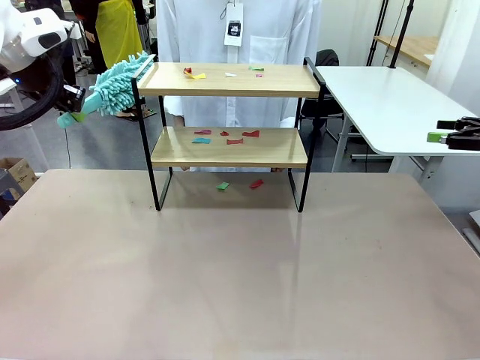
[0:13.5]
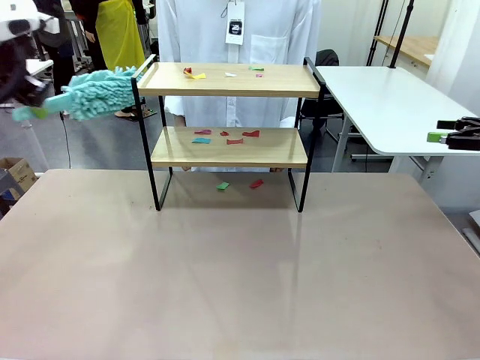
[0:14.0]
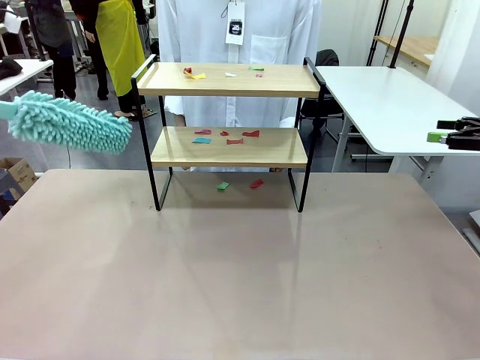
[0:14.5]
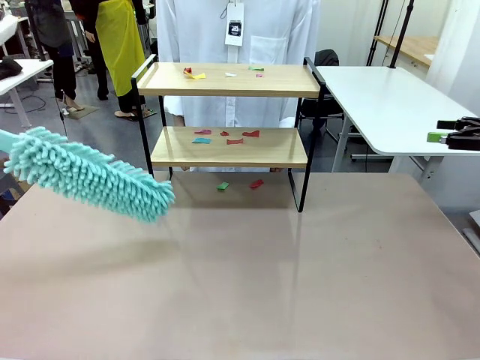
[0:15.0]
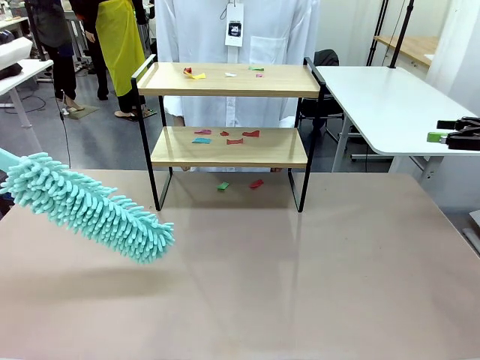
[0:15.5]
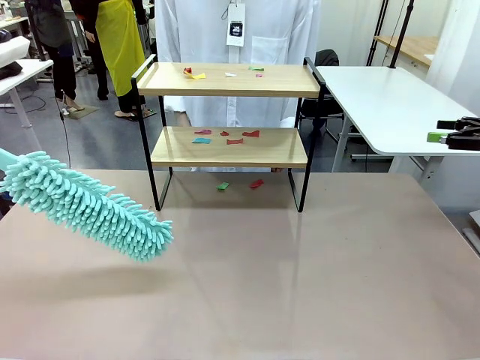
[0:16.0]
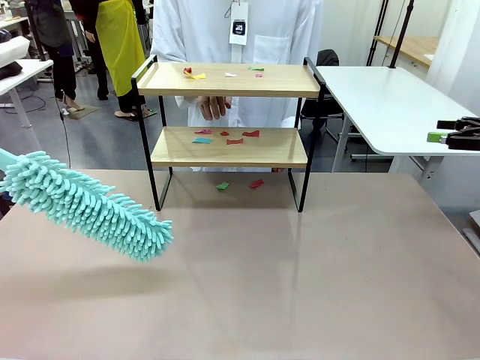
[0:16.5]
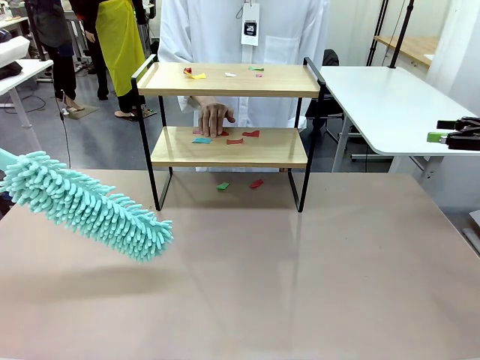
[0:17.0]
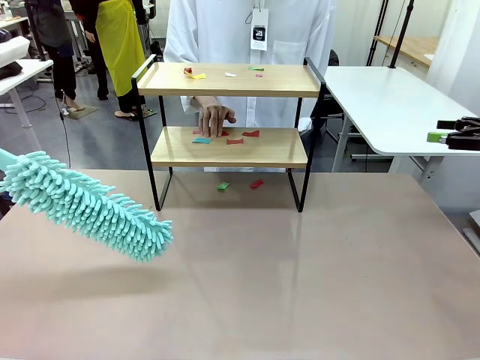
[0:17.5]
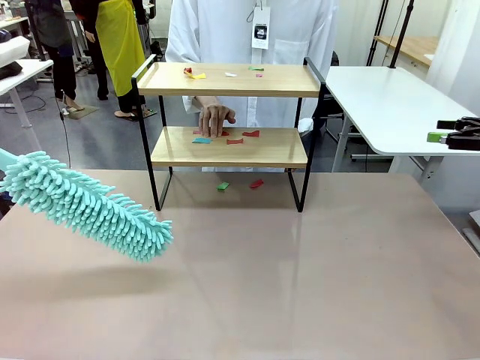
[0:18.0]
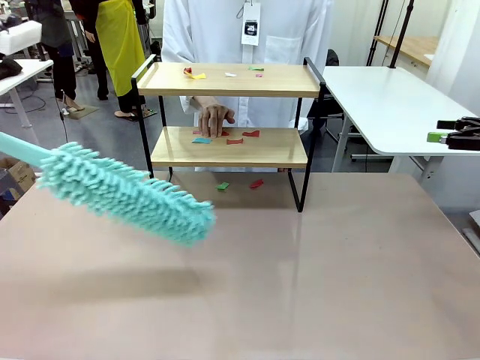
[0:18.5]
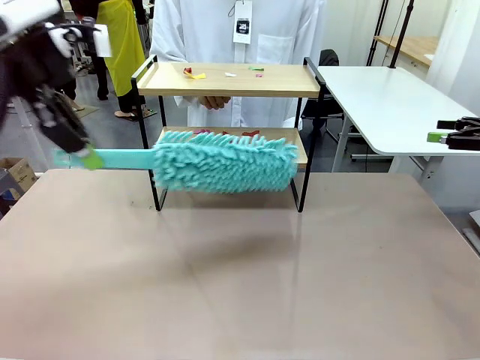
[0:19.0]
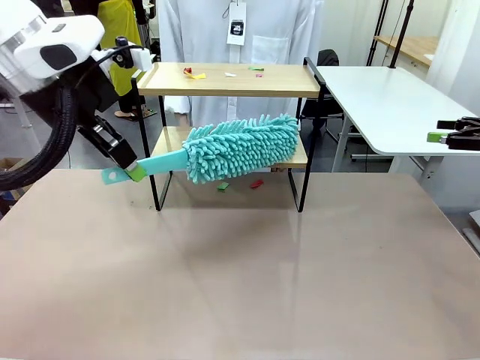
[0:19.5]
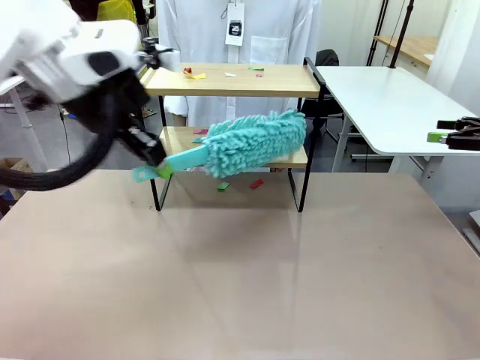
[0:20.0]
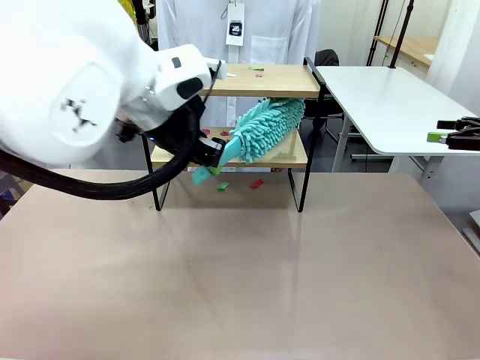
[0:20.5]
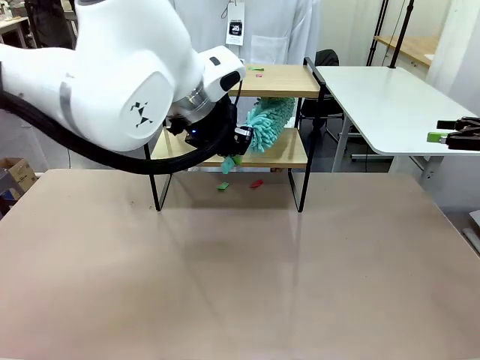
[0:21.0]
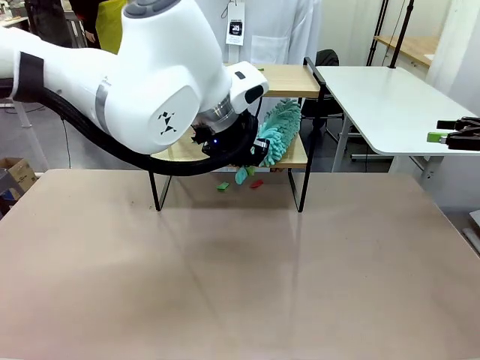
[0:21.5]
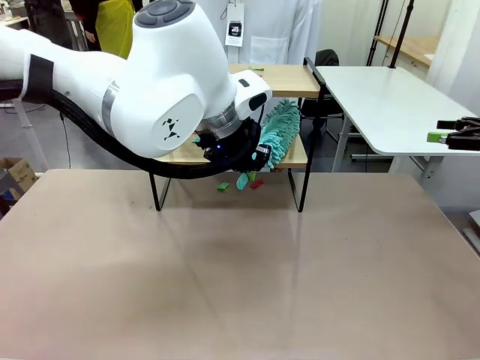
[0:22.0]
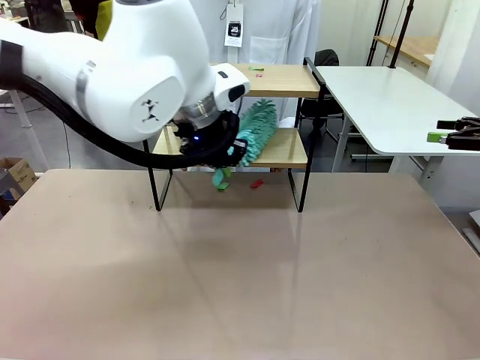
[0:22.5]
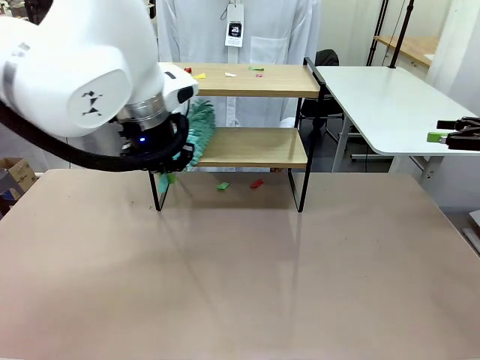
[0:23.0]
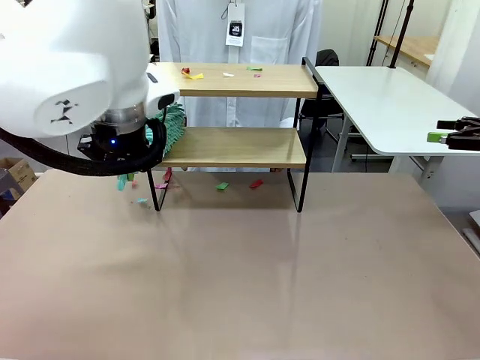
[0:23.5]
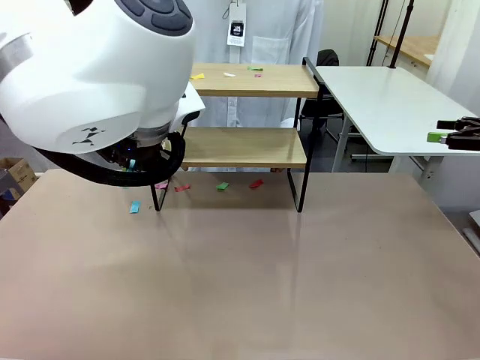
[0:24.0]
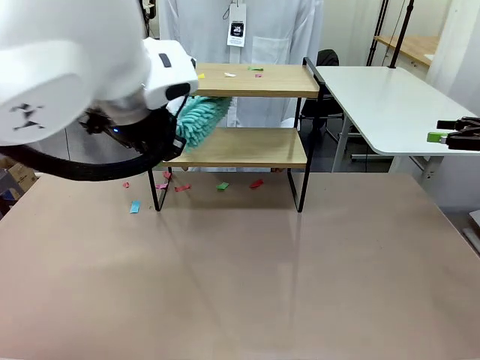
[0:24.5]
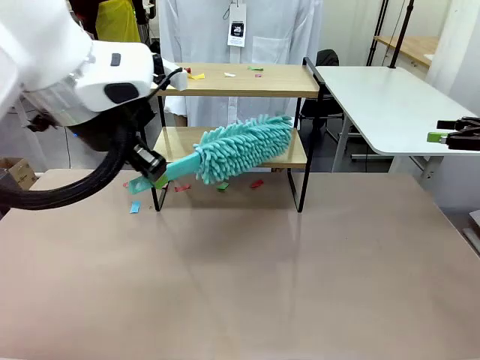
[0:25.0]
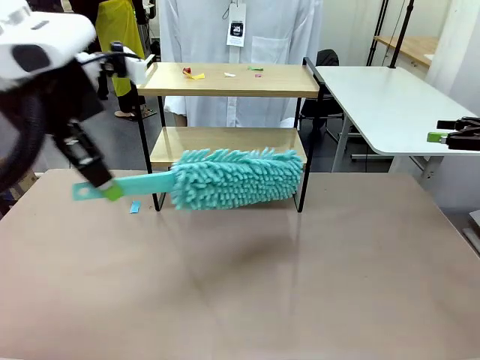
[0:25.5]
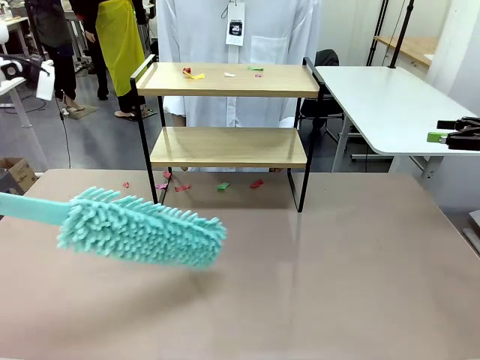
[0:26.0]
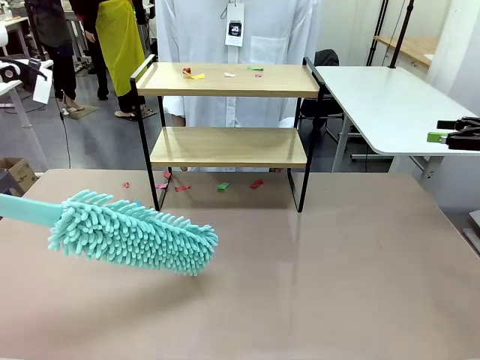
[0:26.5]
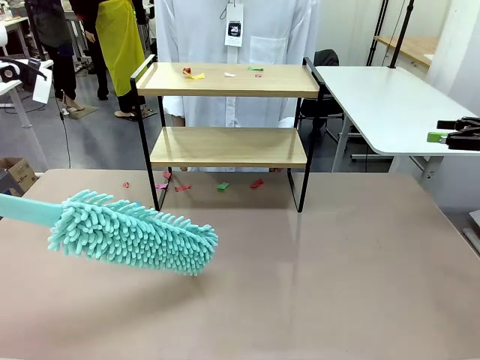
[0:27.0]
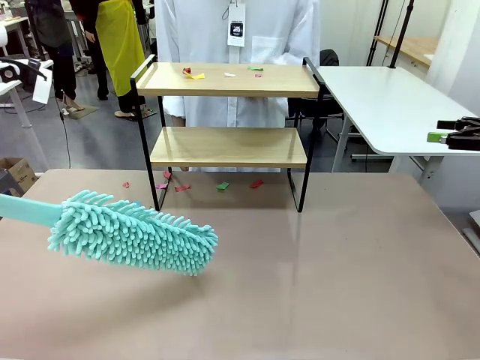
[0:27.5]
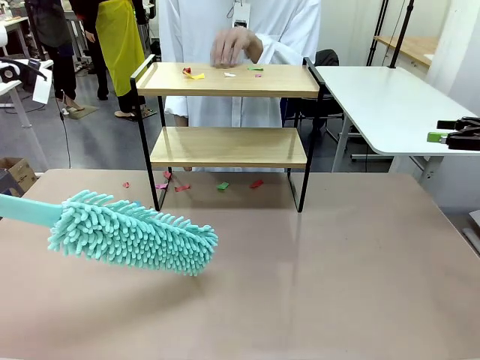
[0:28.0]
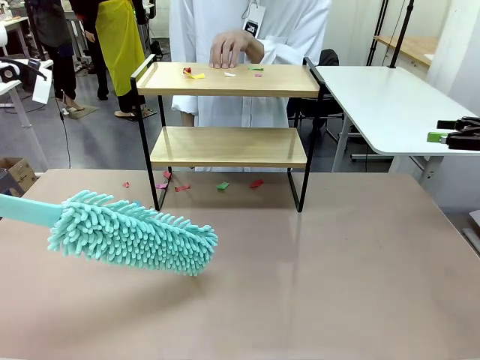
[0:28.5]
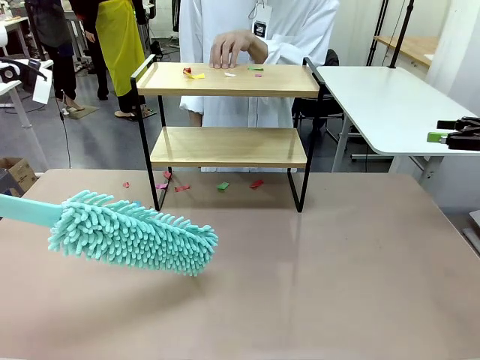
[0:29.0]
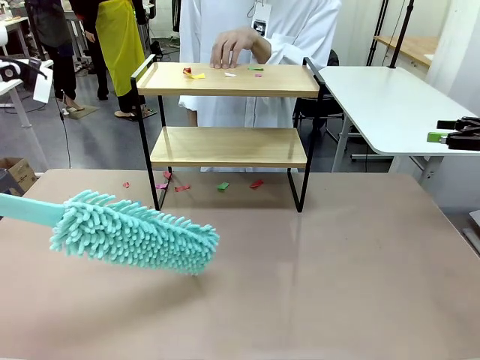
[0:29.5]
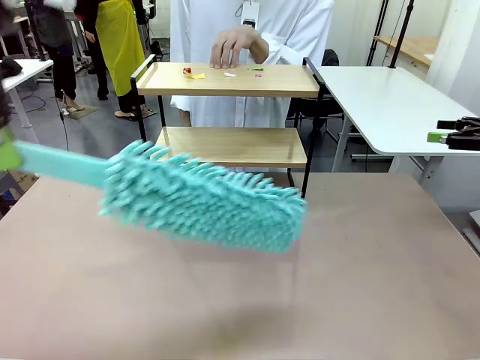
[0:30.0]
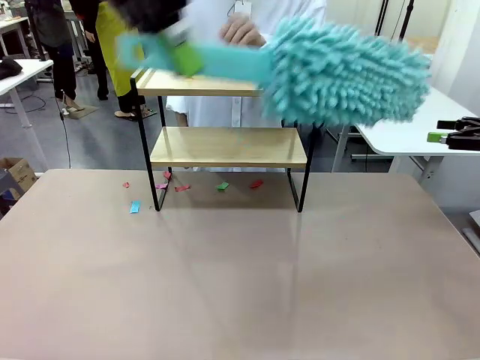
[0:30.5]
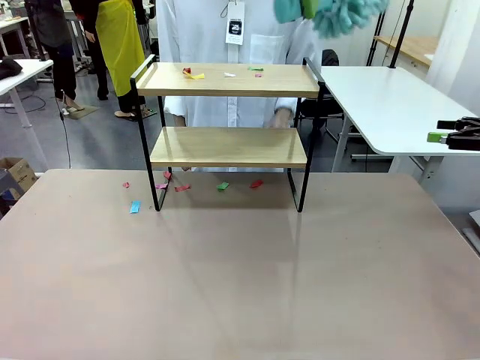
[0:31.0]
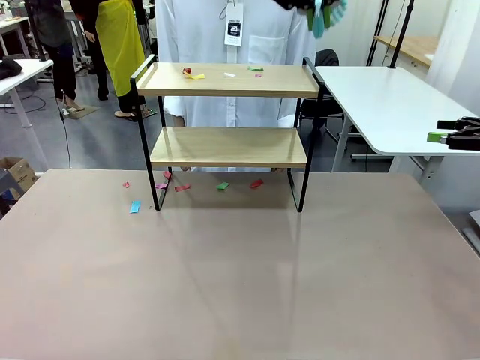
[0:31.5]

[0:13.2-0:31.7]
Task: Clean the shelf.
Robot: Clean the specific section of the Shelf indicated by the human with the Duster.
Person: Point a random section of the Shelf.
